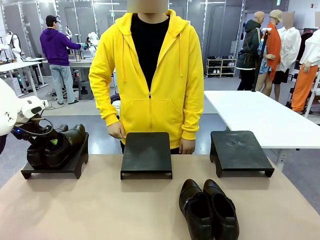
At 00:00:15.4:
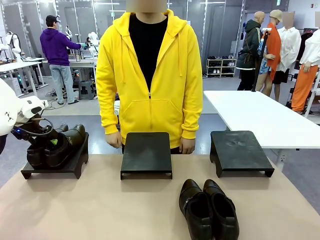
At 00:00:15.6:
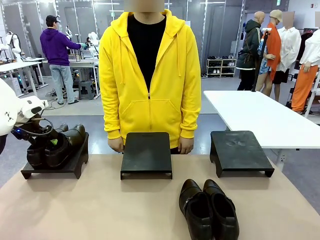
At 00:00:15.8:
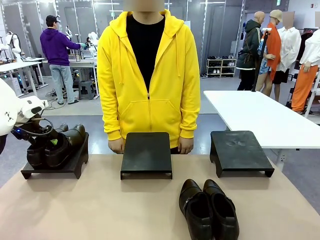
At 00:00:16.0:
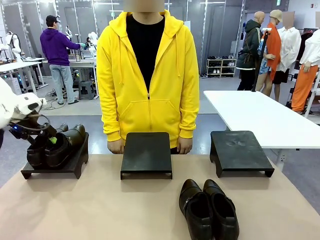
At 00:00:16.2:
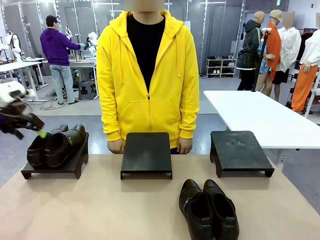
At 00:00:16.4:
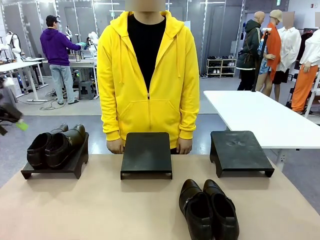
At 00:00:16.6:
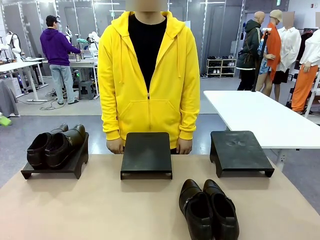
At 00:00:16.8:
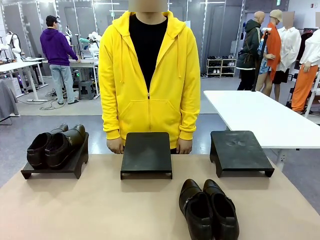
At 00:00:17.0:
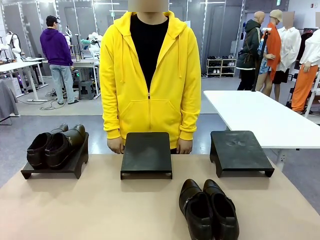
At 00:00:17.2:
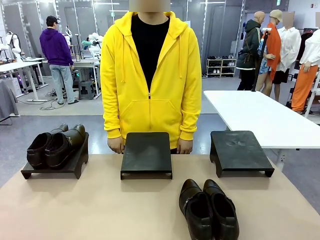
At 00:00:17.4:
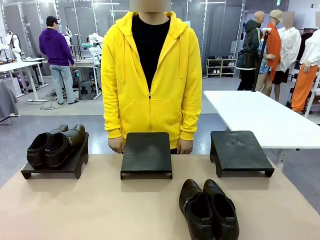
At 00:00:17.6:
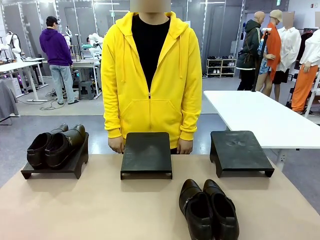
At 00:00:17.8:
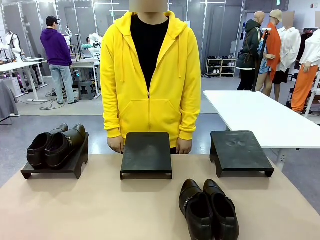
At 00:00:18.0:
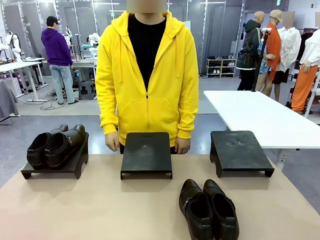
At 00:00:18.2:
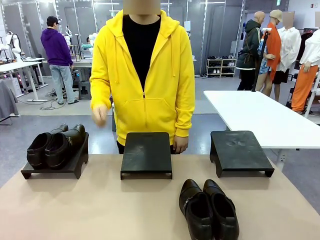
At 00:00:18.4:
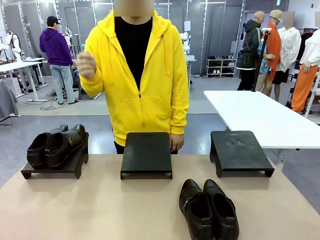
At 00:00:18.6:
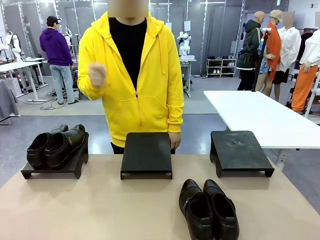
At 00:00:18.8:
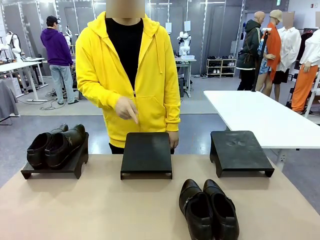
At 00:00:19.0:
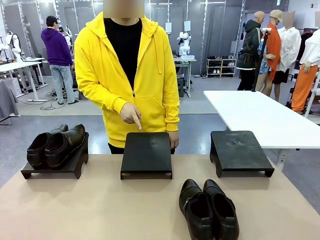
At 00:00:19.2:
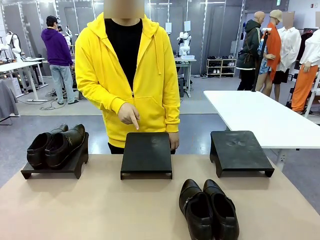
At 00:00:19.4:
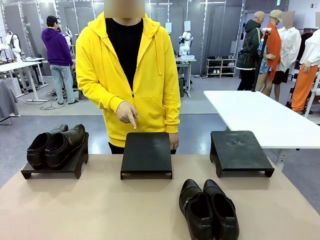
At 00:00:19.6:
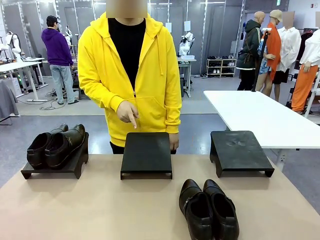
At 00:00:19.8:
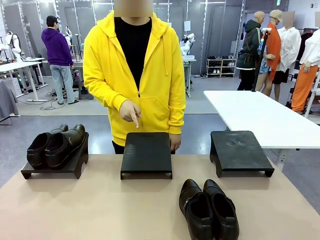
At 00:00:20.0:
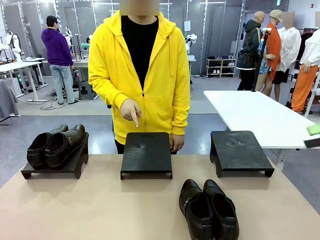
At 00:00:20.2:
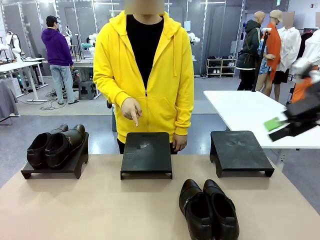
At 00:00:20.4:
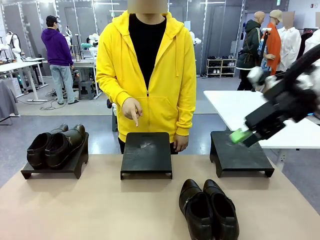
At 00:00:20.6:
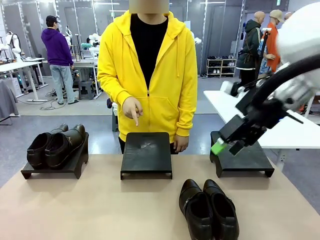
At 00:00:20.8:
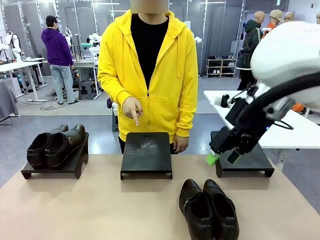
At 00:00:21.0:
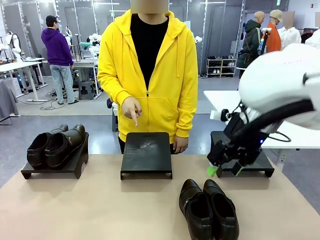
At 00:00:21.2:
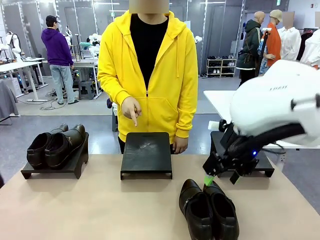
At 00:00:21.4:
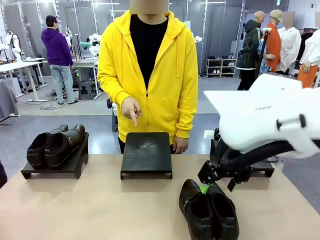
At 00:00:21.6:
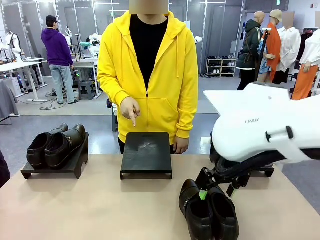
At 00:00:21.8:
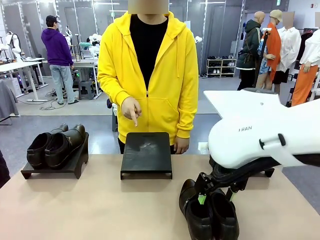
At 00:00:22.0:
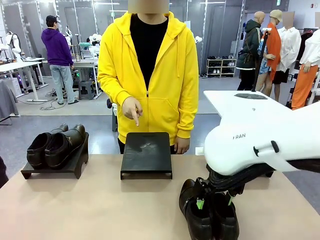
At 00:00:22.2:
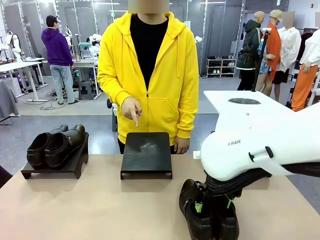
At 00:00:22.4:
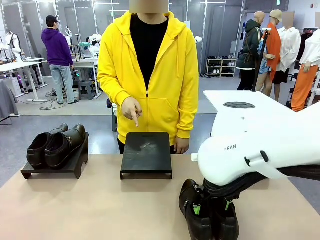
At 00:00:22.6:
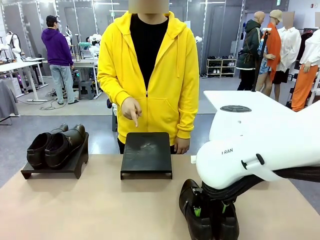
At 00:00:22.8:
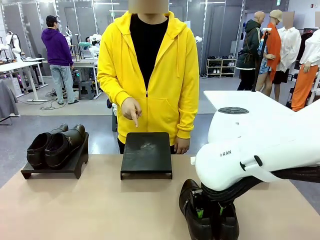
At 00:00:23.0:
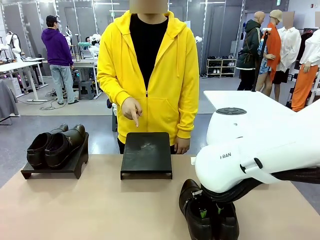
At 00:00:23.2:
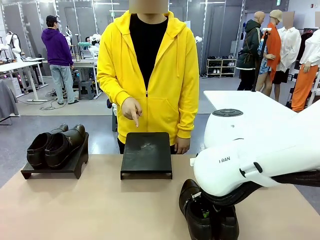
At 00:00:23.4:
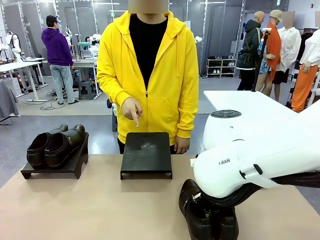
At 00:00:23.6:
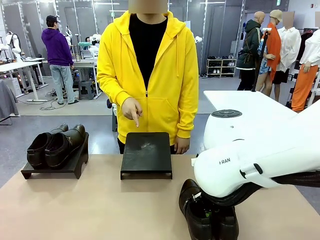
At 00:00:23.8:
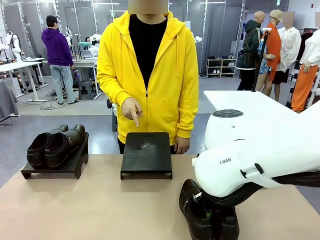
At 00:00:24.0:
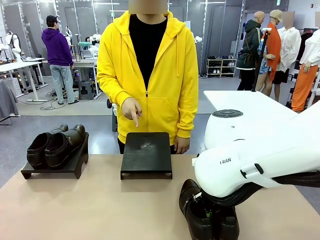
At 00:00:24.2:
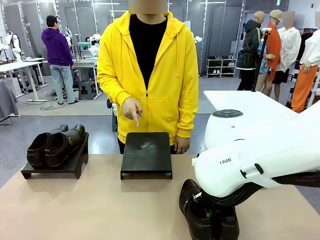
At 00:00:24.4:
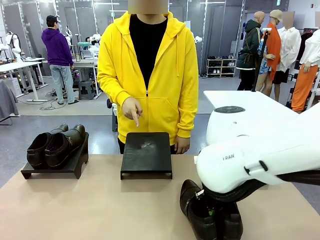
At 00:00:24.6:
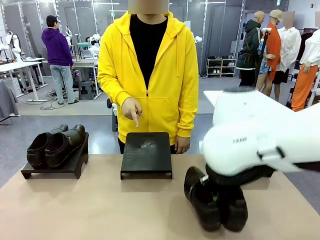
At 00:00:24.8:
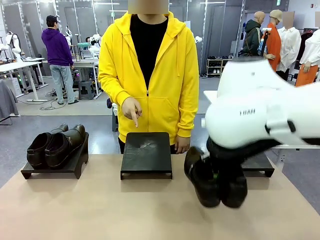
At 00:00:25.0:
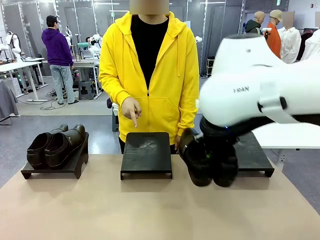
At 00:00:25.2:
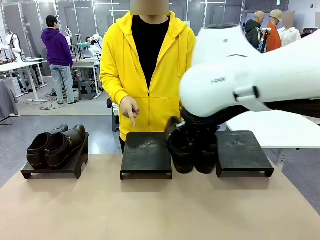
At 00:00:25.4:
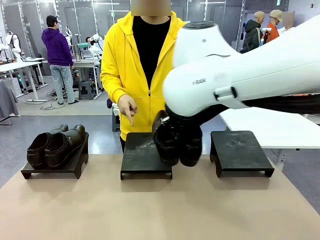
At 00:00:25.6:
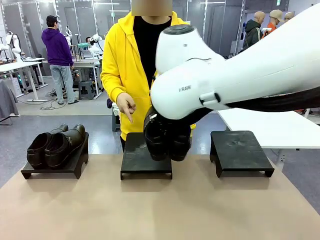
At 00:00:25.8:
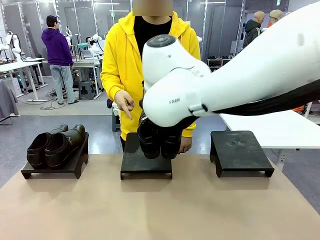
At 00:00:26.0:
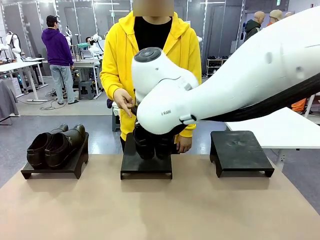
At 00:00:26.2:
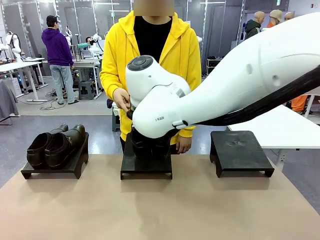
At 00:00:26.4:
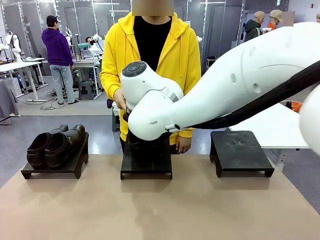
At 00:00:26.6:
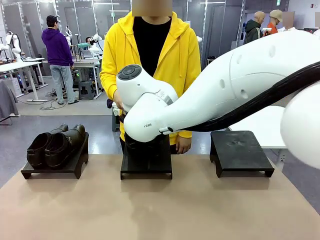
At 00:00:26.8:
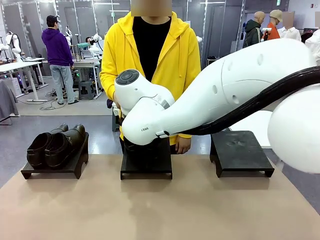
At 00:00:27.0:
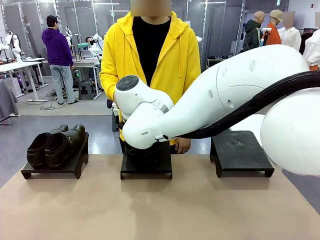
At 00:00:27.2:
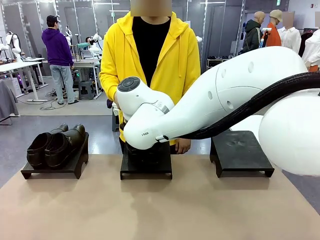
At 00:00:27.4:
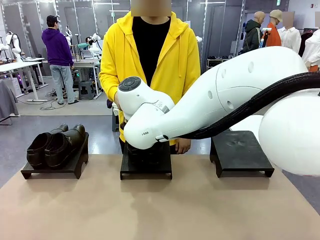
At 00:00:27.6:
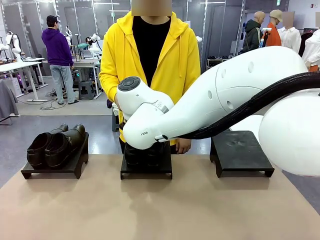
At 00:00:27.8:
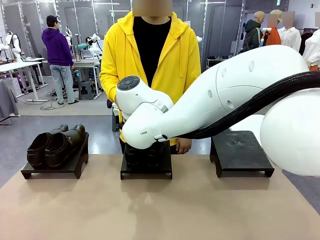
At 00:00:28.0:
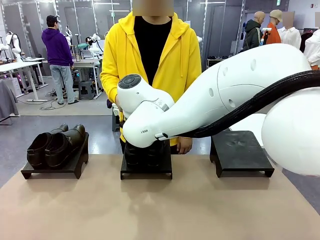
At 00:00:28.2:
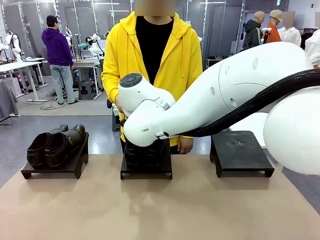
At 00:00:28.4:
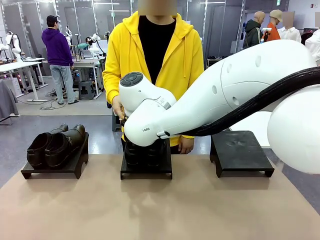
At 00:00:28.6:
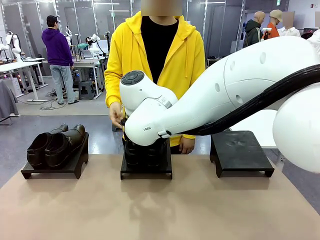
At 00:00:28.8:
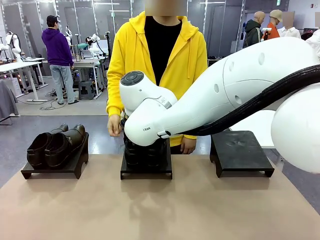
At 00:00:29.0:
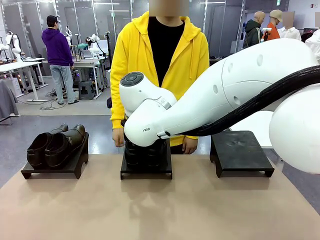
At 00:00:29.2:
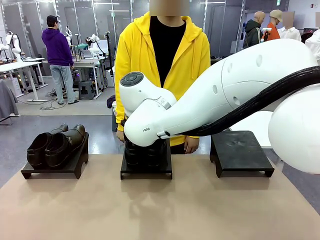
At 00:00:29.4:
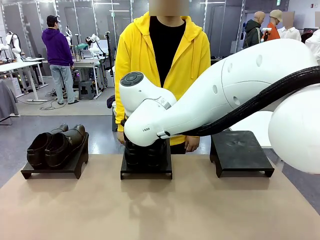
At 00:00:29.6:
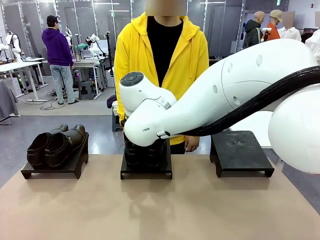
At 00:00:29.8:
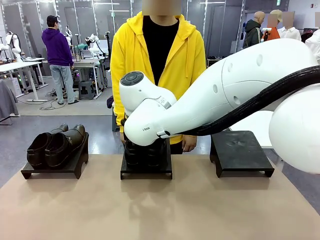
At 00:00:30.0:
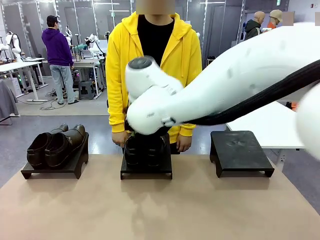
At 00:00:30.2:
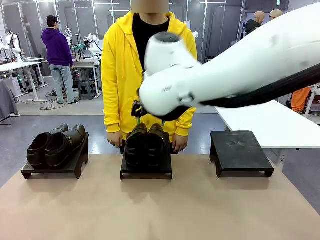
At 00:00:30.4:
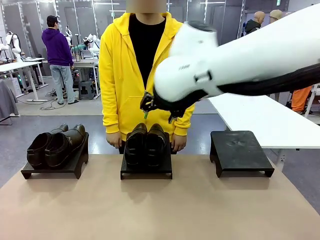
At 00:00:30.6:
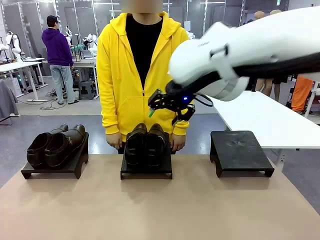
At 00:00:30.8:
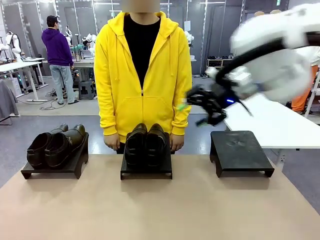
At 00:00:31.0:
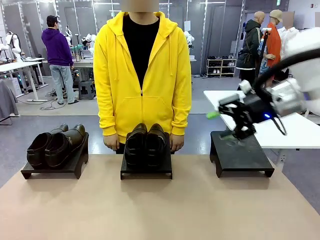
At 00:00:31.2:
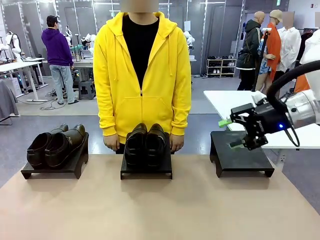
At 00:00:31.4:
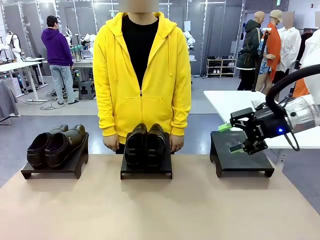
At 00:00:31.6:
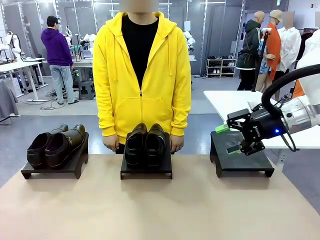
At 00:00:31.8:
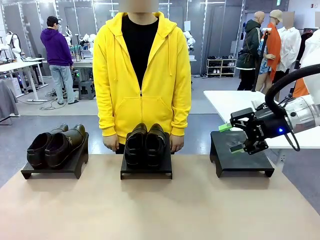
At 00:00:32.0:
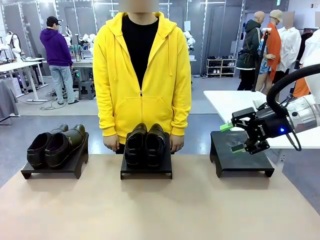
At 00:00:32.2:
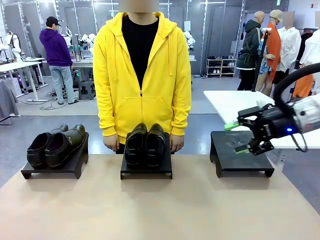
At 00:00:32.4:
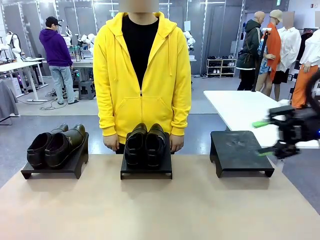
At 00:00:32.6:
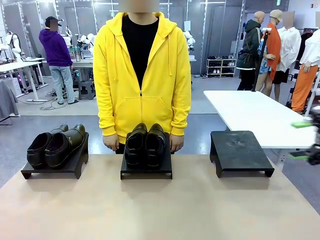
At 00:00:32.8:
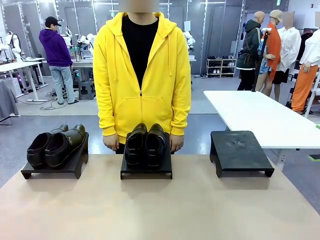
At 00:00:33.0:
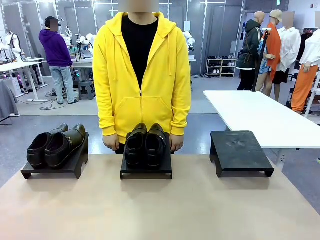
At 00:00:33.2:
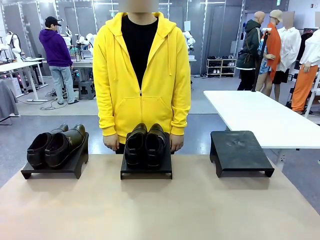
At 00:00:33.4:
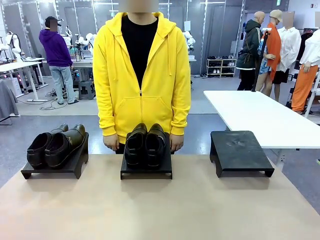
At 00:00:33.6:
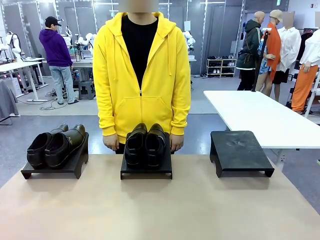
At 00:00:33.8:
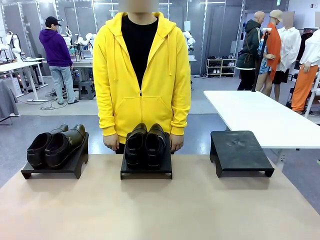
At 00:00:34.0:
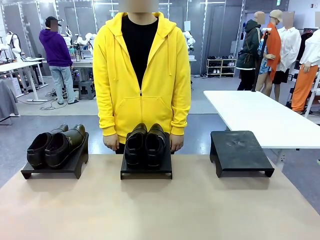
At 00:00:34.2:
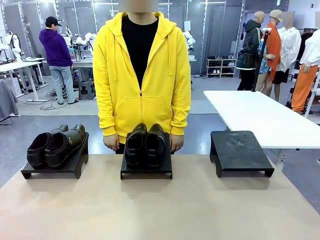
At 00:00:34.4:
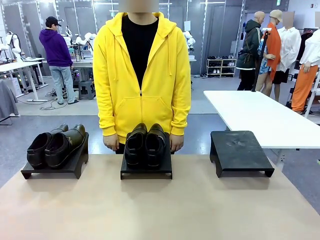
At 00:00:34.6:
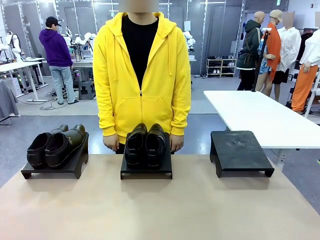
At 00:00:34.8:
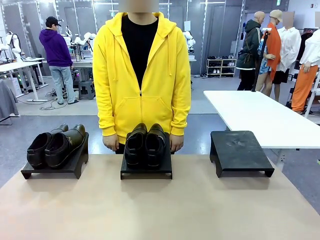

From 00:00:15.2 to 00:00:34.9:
Task: Place the shoes on the stand as instructed by the person.
Robot: Pick up another pair of Shoes and place it on the Shoes Stand indicated by the person.
Person: Point to one Shoes Stand.
